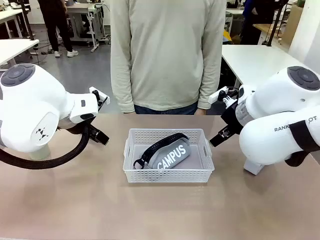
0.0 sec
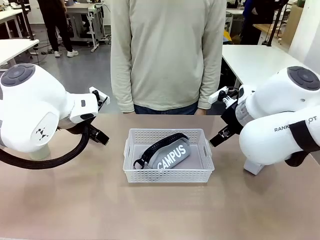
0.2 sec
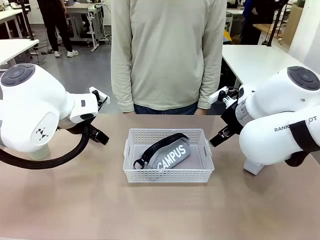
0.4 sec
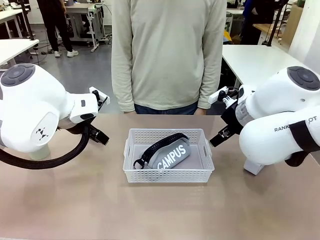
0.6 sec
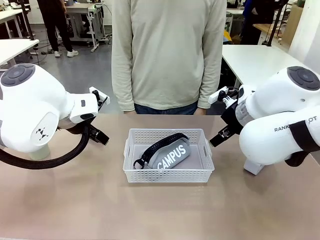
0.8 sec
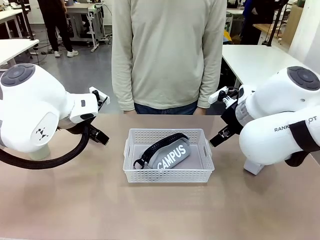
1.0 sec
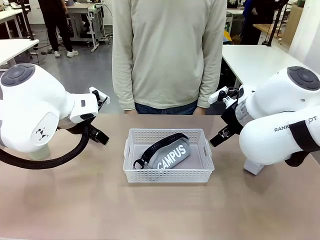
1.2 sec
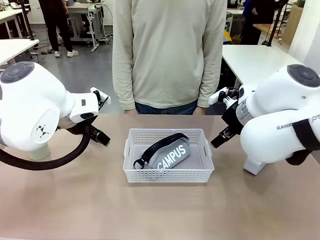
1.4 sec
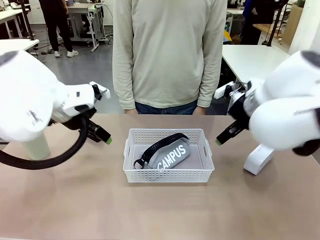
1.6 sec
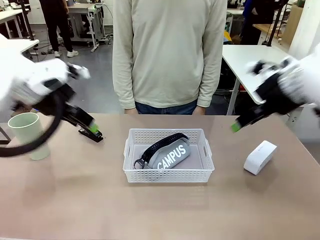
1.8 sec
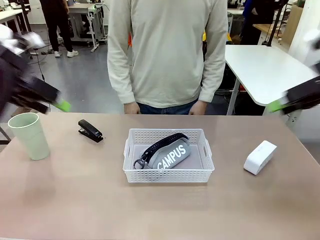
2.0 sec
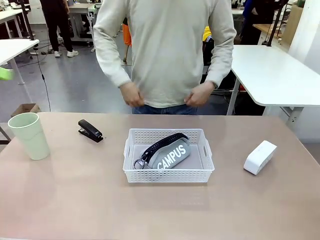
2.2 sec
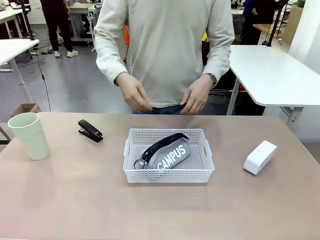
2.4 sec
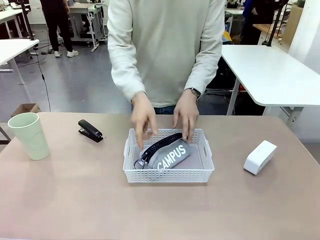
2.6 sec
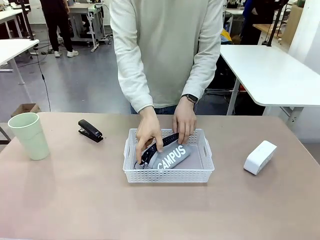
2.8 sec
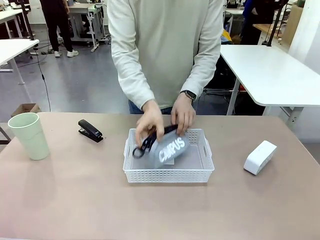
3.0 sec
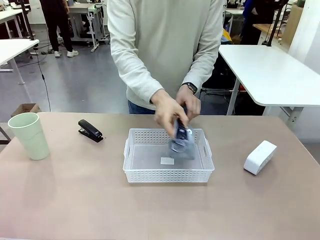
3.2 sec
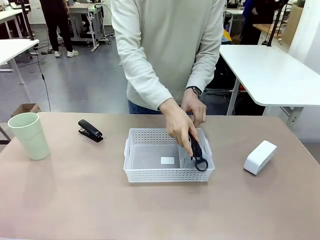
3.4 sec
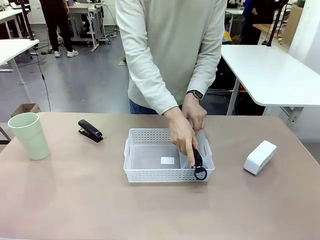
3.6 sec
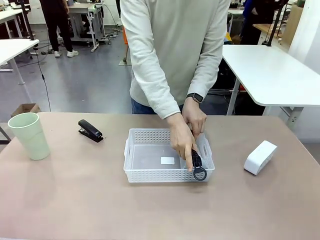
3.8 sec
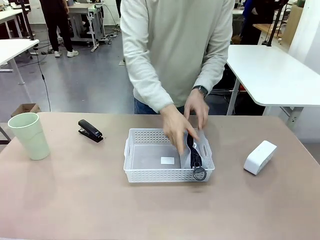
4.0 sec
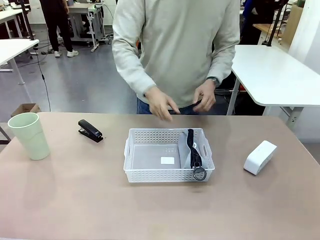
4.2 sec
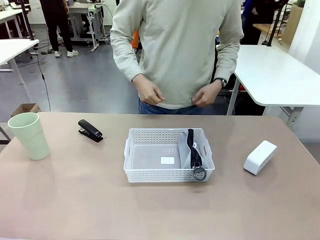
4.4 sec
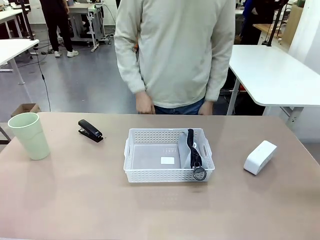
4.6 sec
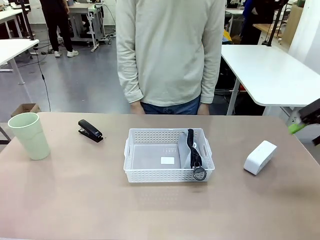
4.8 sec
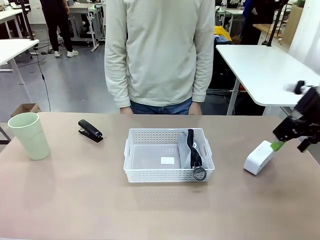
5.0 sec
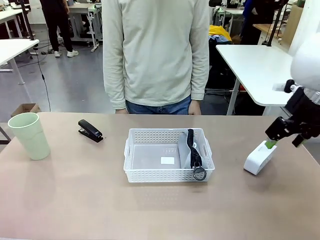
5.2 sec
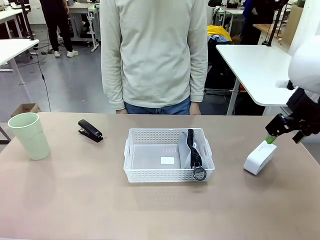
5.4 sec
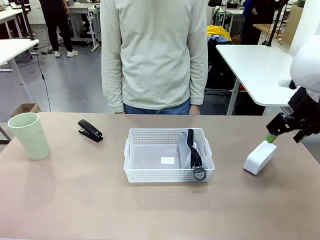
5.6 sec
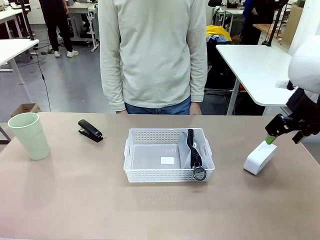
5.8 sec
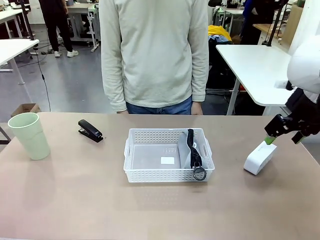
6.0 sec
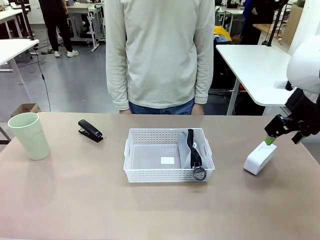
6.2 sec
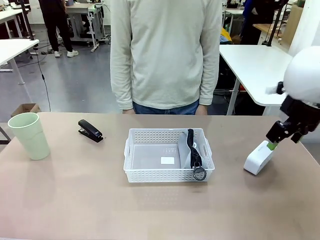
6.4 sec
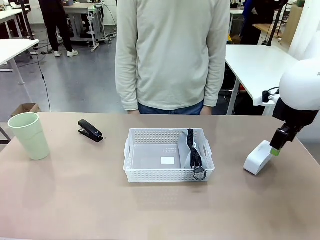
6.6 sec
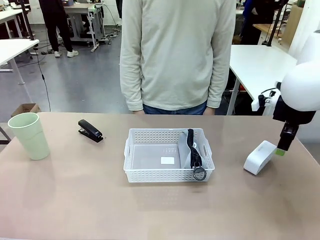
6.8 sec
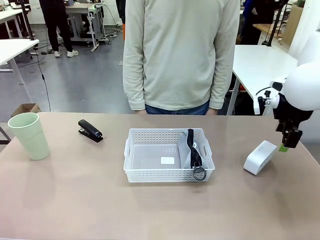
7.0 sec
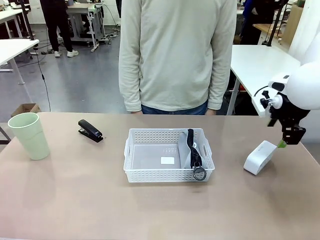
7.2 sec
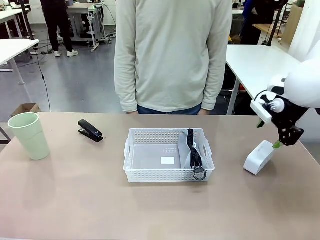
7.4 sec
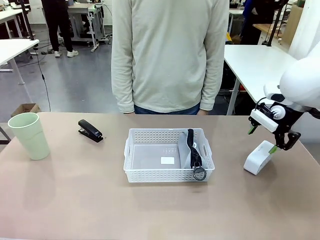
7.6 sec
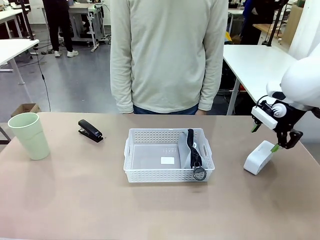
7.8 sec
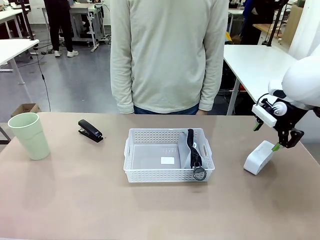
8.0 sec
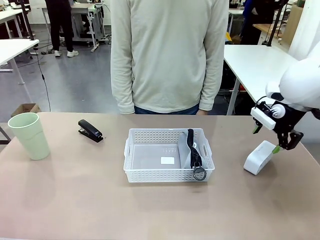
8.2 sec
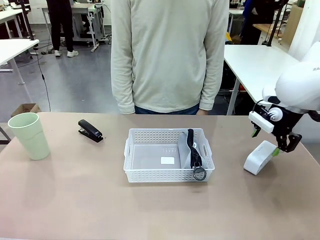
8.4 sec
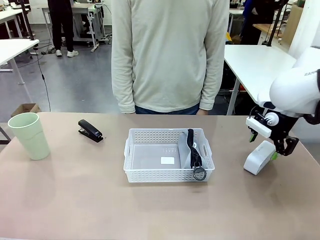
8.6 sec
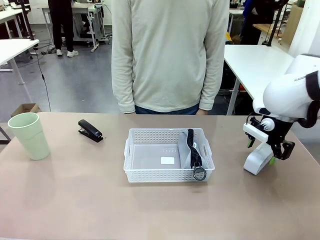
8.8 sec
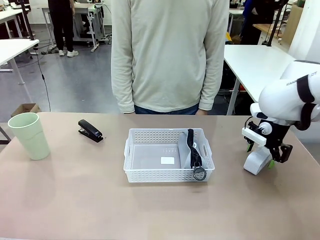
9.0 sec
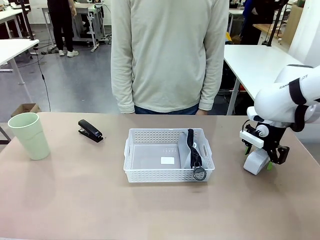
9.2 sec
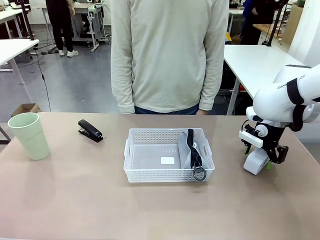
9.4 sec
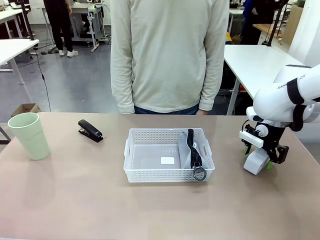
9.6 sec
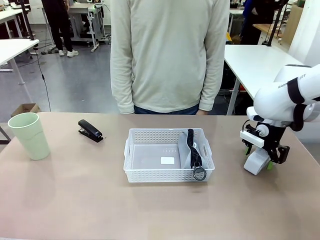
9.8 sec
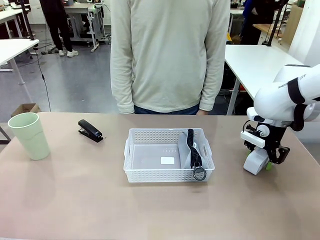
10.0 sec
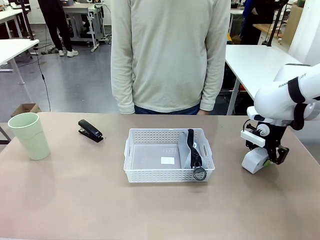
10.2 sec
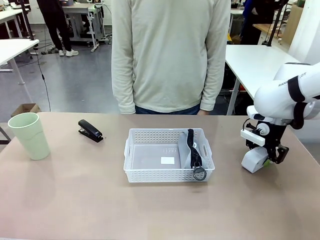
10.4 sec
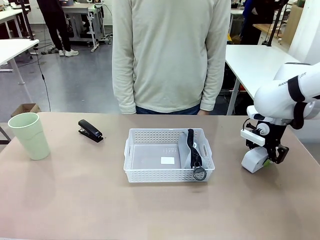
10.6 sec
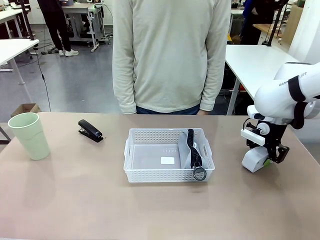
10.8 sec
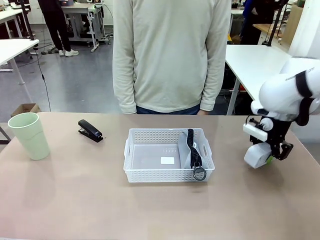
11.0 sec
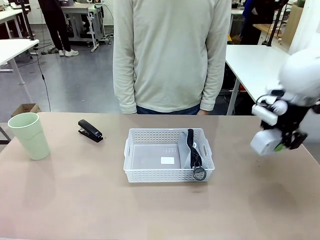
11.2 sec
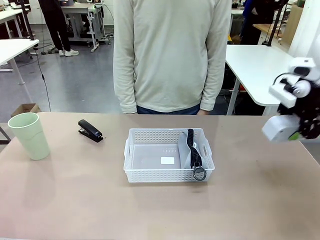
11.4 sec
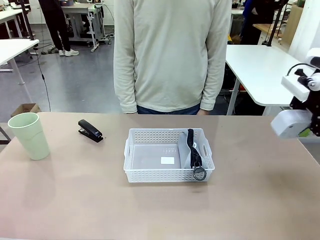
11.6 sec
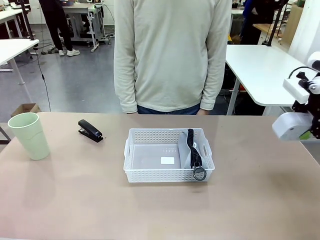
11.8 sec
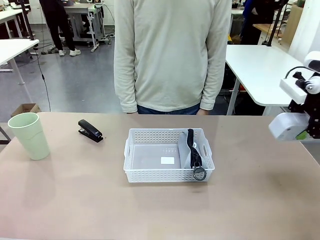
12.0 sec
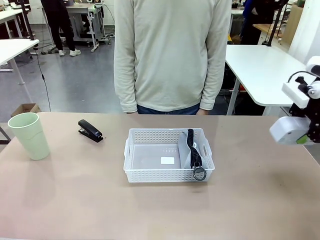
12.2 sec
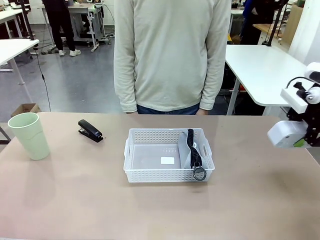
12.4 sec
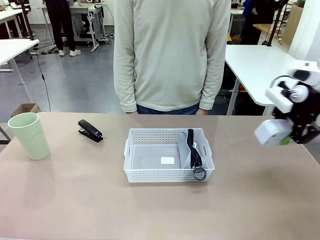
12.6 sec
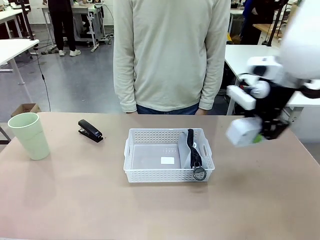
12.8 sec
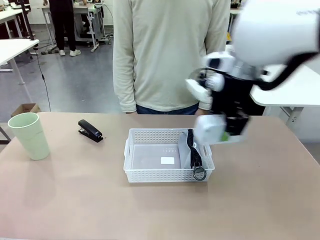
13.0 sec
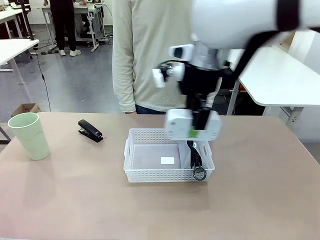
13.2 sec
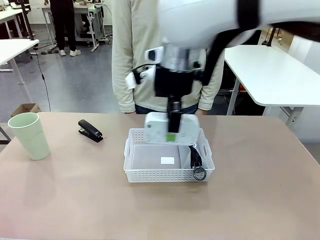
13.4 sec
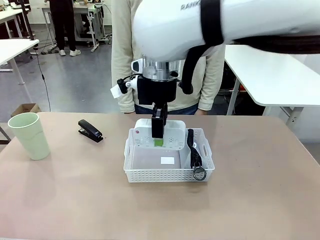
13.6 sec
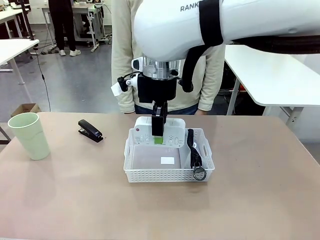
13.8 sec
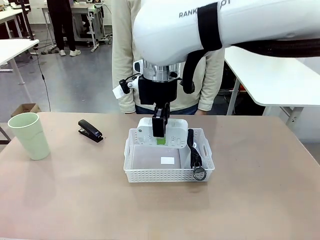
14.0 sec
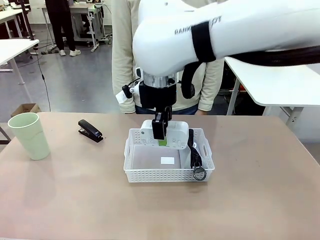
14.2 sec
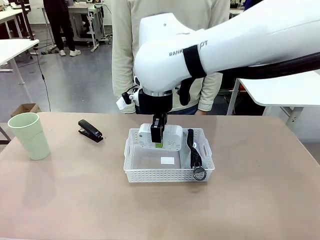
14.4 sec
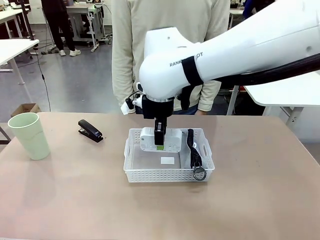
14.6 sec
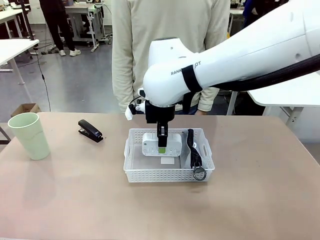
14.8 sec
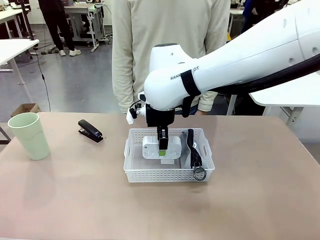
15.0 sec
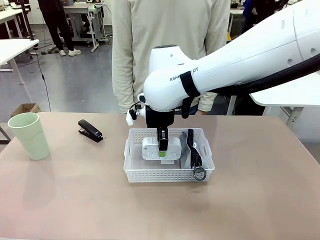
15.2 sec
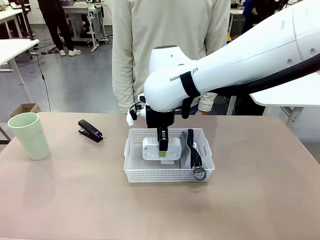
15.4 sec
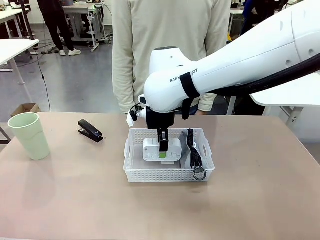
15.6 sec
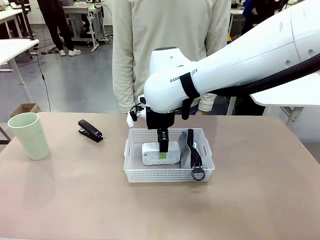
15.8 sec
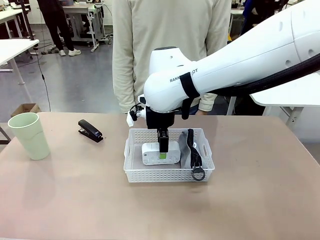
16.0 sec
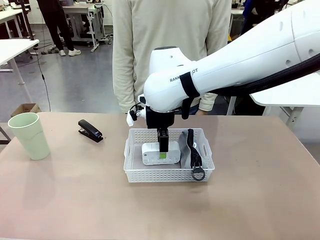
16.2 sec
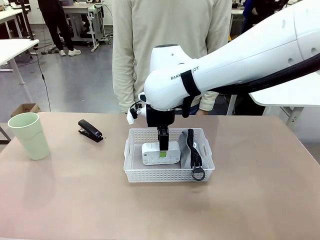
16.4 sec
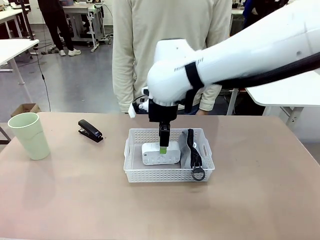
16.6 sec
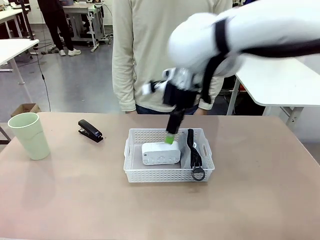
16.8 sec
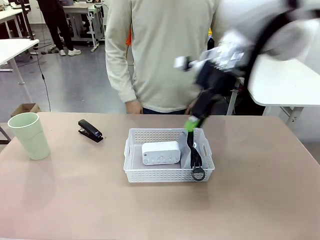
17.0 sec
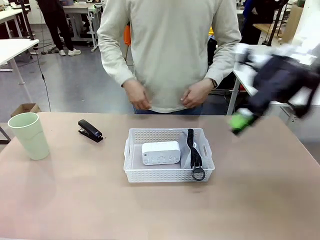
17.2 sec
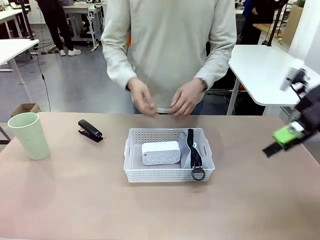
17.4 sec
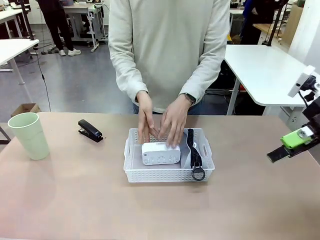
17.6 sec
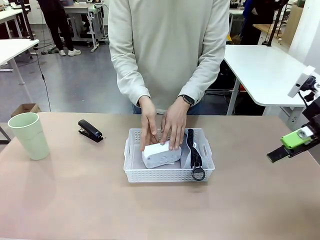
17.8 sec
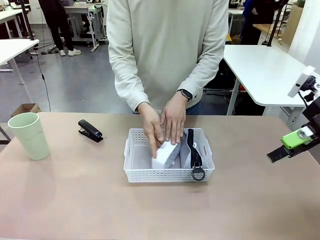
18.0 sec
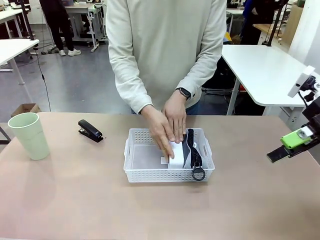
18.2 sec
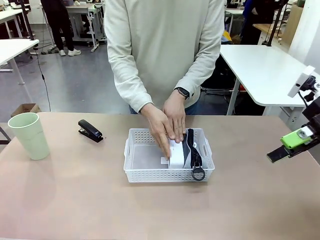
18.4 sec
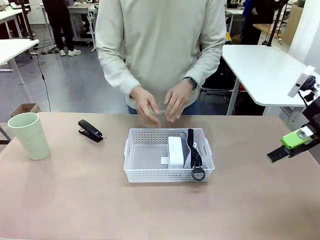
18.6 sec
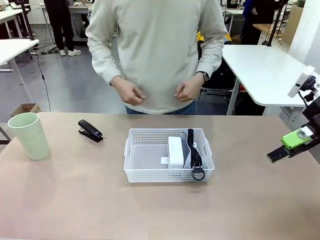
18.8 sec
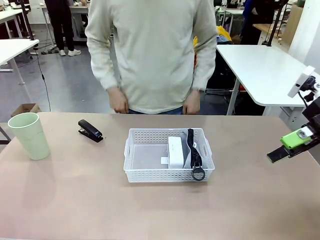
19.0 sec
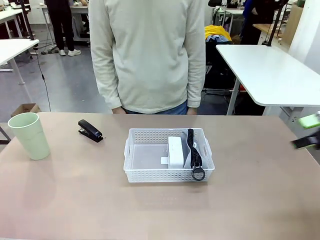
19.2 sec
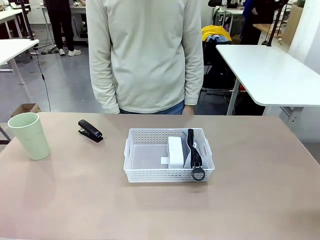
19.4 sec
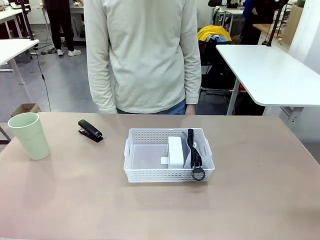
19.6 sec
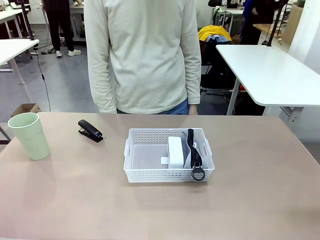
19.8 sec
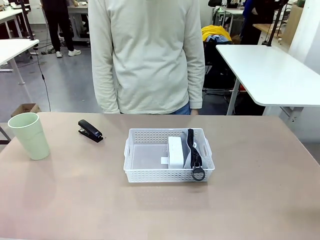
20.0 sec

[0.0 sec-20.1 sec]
Task: Efficiently arrange items inside the basket to fit them all.
Robot: Pick up the Digital clock and place it inside the Organizing basket.
Person: Repositions the pencil case. Repositions the digital clock.
